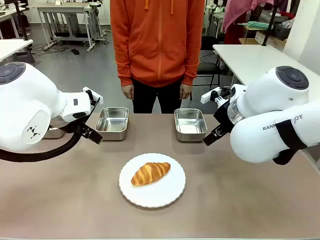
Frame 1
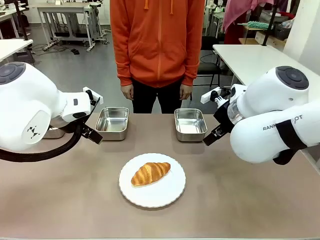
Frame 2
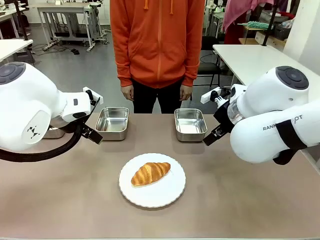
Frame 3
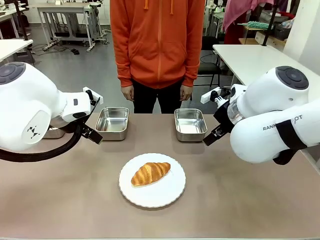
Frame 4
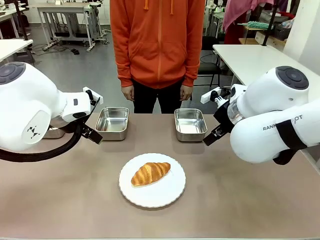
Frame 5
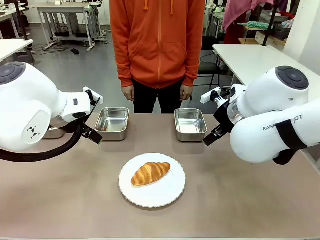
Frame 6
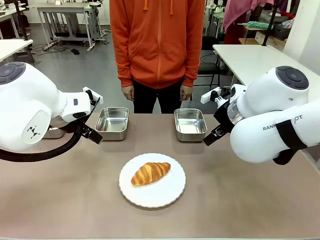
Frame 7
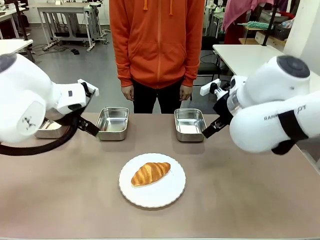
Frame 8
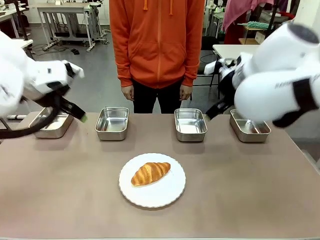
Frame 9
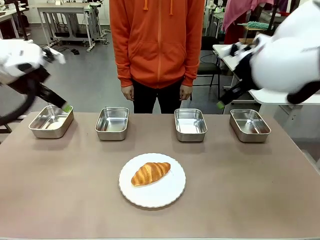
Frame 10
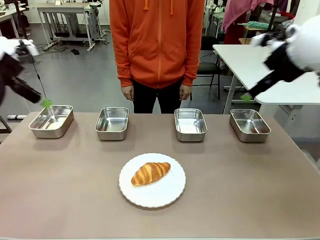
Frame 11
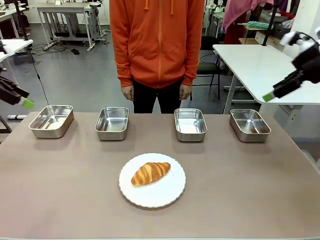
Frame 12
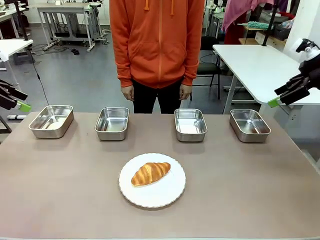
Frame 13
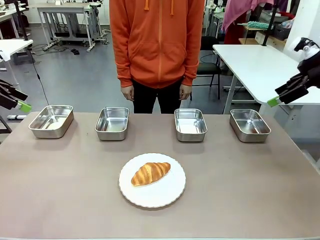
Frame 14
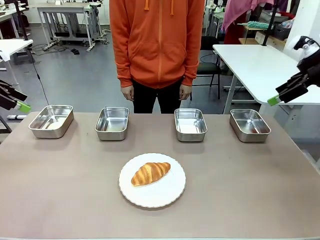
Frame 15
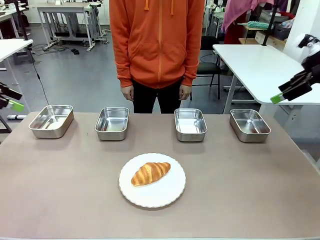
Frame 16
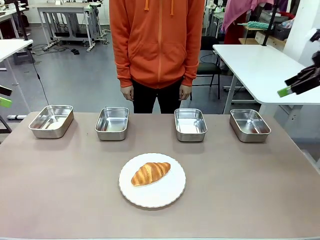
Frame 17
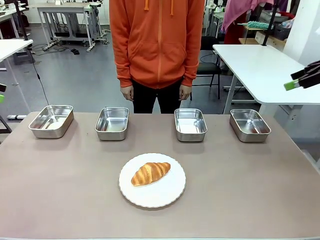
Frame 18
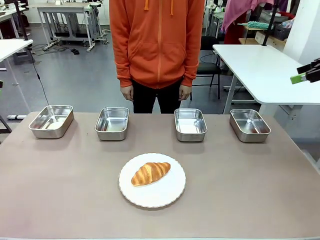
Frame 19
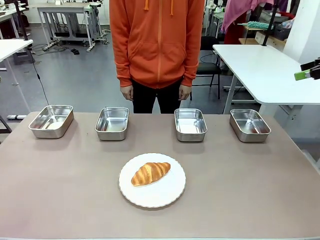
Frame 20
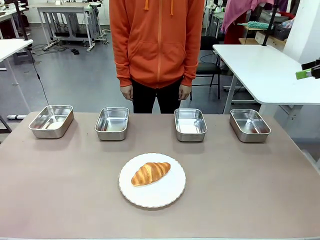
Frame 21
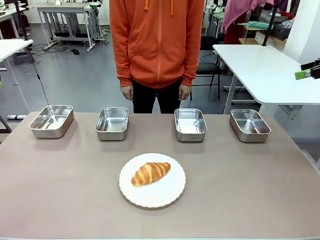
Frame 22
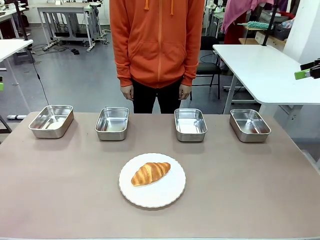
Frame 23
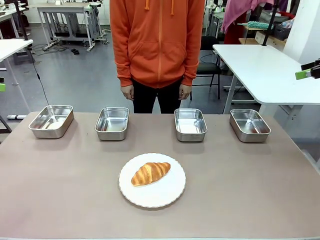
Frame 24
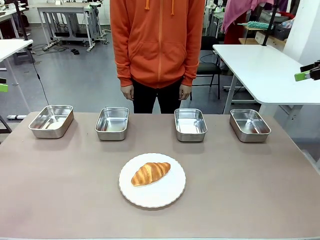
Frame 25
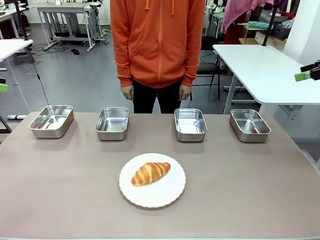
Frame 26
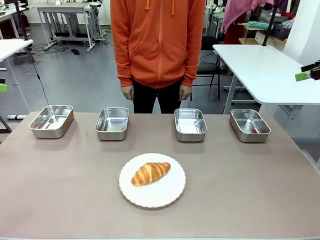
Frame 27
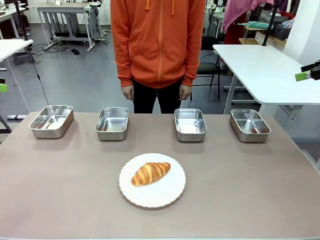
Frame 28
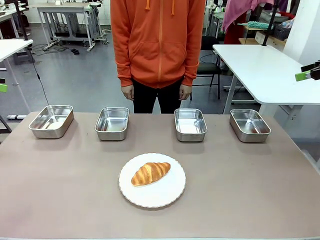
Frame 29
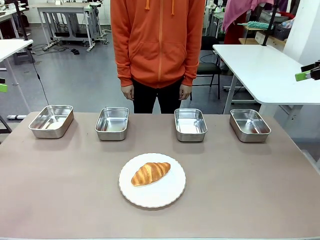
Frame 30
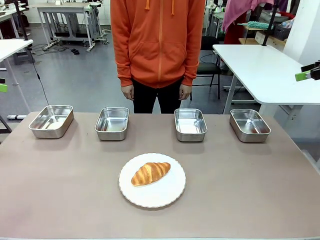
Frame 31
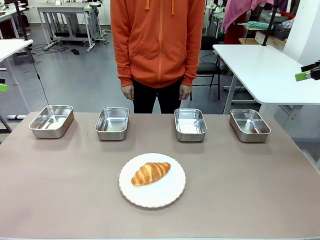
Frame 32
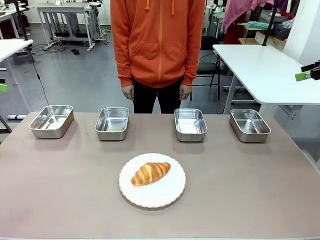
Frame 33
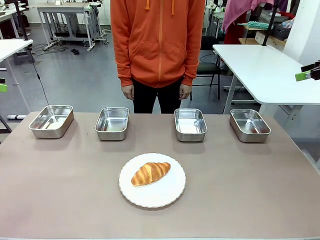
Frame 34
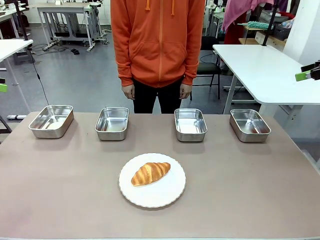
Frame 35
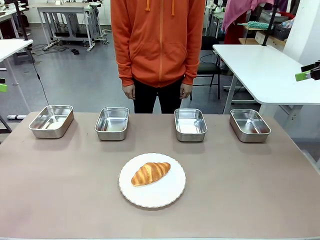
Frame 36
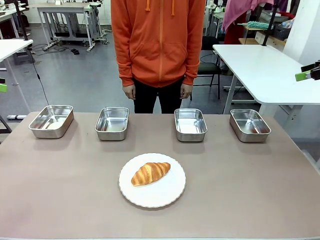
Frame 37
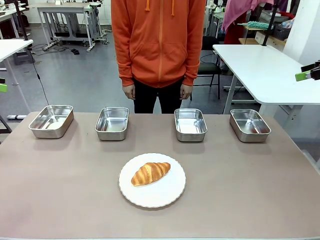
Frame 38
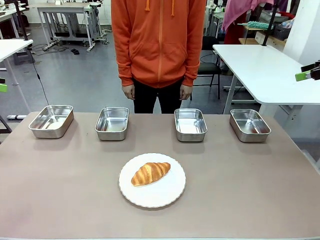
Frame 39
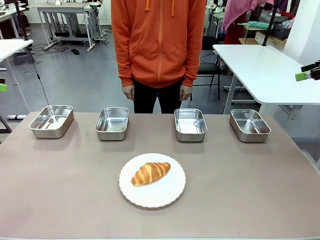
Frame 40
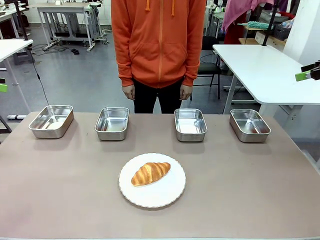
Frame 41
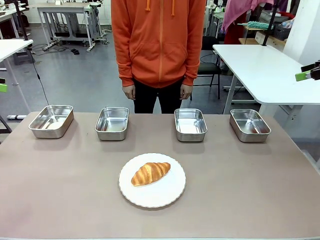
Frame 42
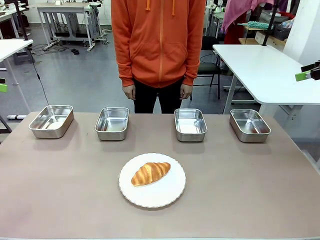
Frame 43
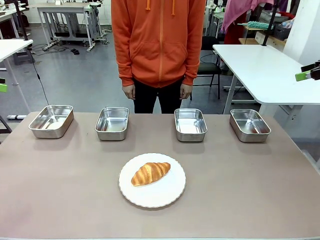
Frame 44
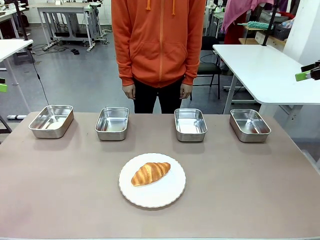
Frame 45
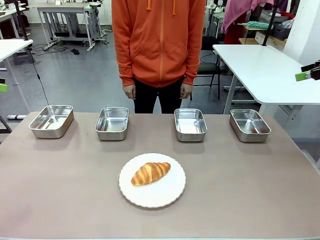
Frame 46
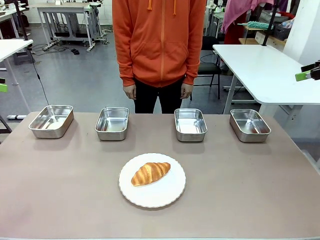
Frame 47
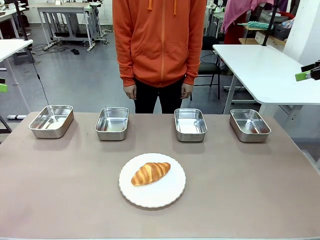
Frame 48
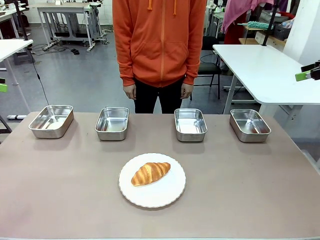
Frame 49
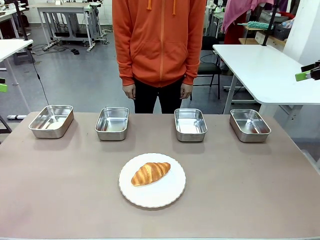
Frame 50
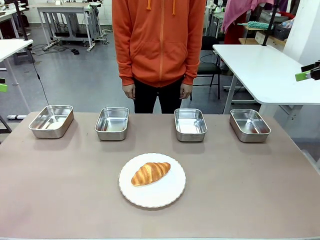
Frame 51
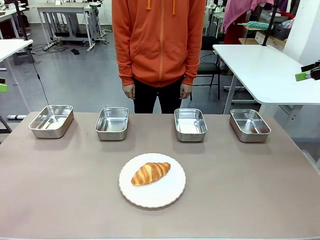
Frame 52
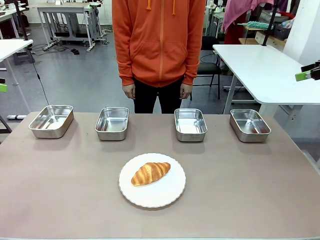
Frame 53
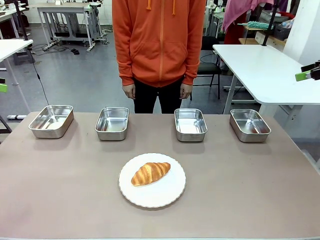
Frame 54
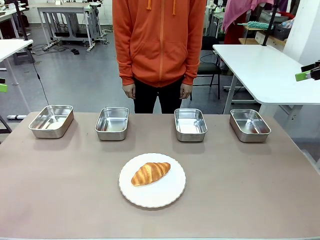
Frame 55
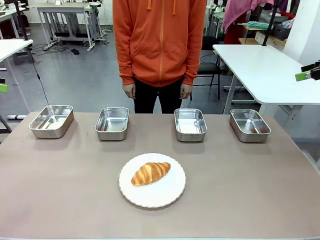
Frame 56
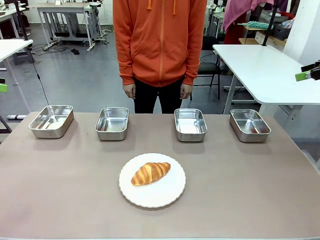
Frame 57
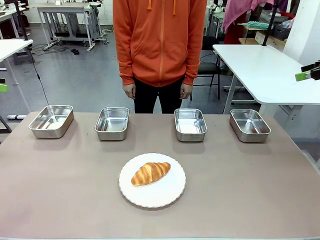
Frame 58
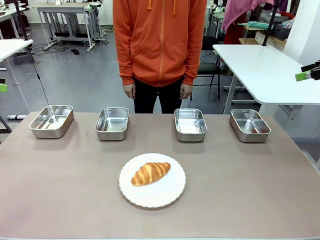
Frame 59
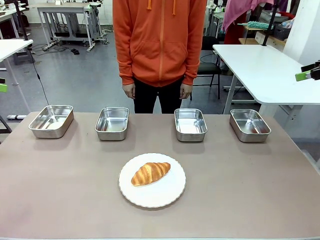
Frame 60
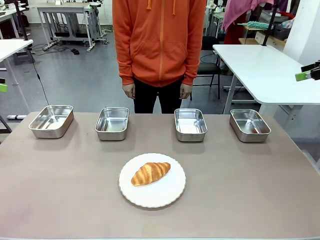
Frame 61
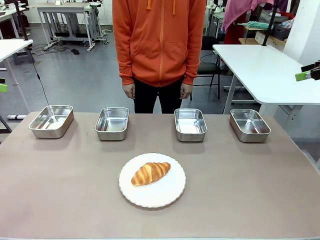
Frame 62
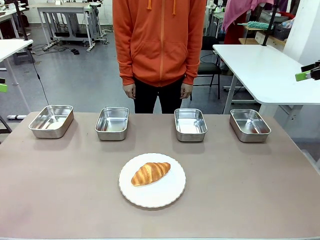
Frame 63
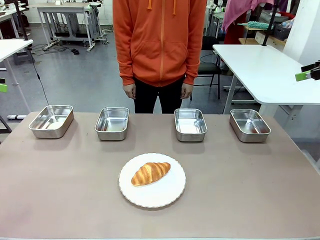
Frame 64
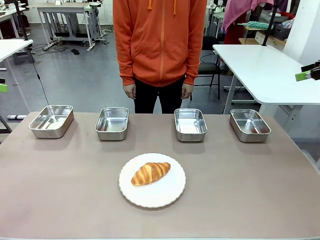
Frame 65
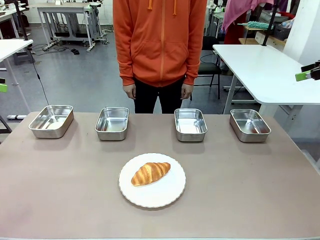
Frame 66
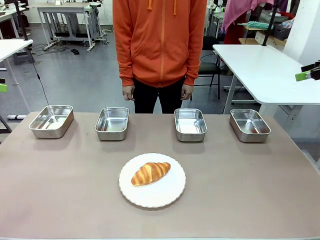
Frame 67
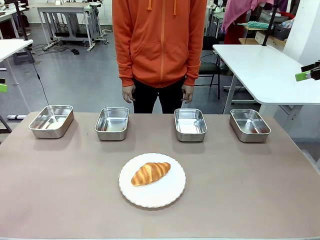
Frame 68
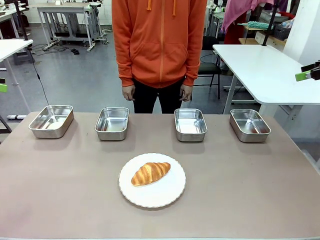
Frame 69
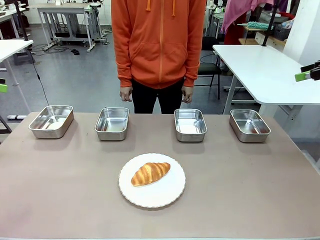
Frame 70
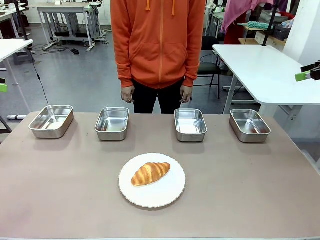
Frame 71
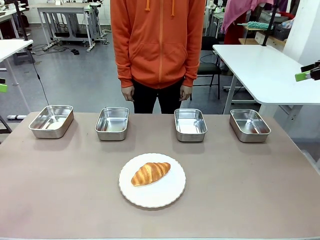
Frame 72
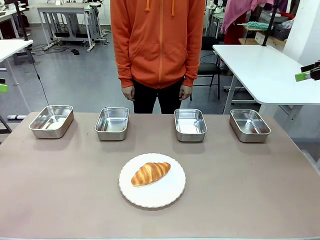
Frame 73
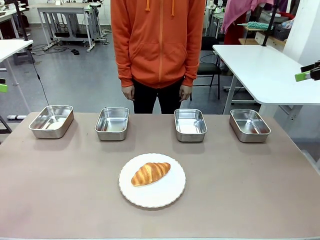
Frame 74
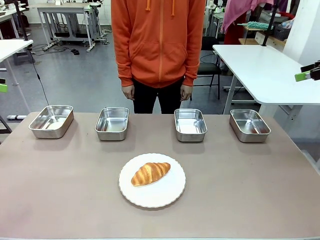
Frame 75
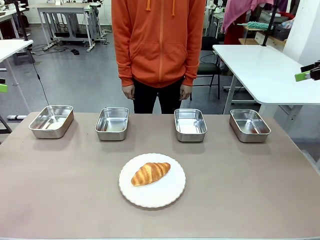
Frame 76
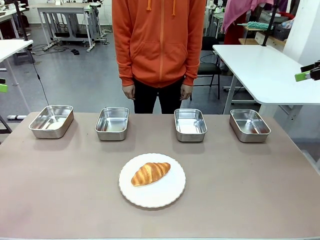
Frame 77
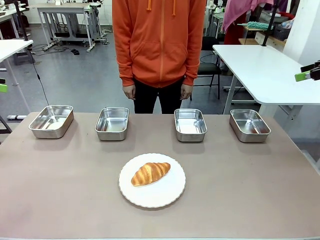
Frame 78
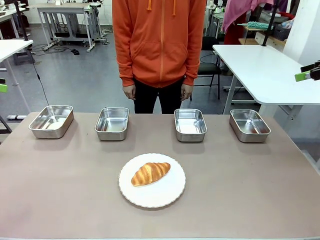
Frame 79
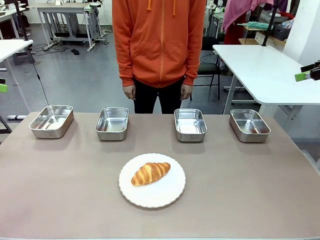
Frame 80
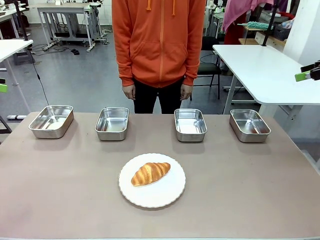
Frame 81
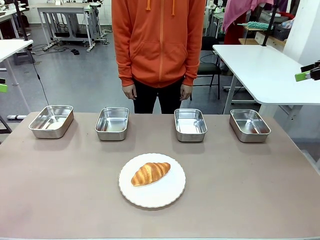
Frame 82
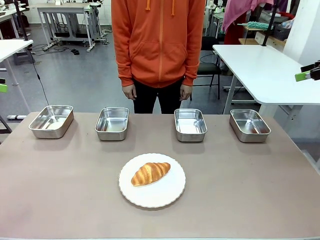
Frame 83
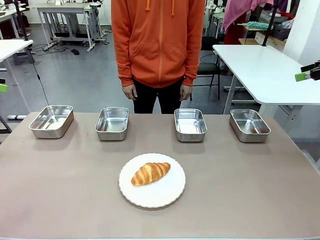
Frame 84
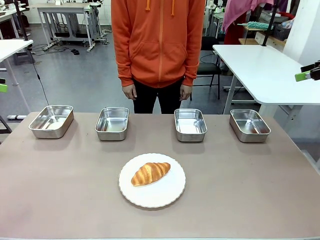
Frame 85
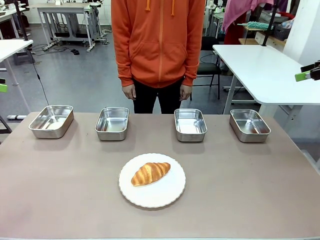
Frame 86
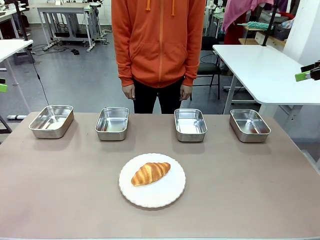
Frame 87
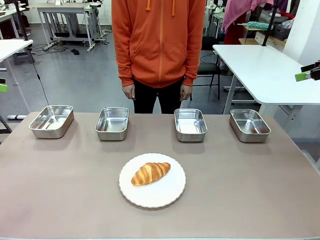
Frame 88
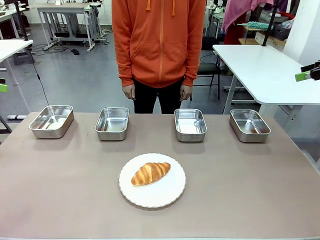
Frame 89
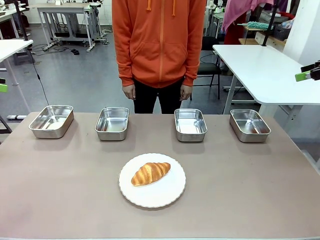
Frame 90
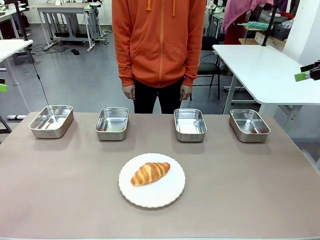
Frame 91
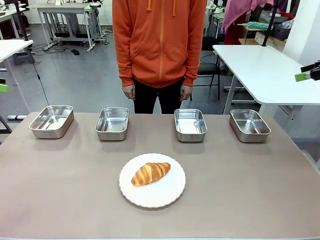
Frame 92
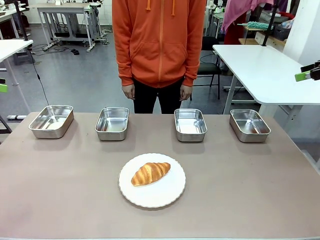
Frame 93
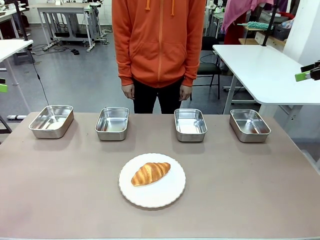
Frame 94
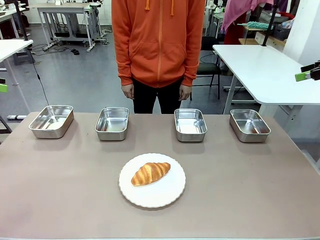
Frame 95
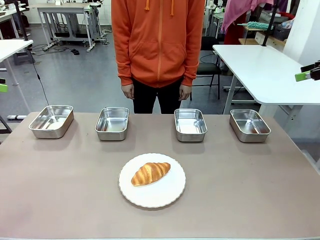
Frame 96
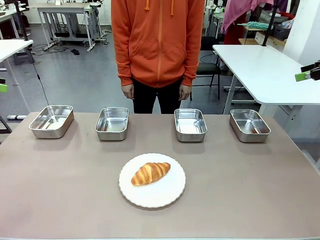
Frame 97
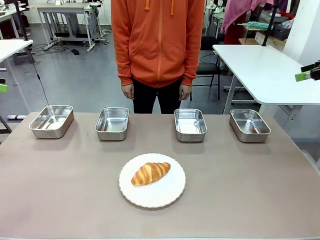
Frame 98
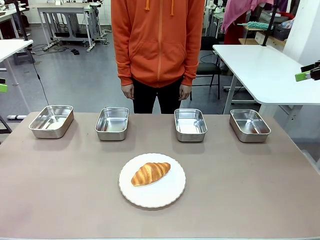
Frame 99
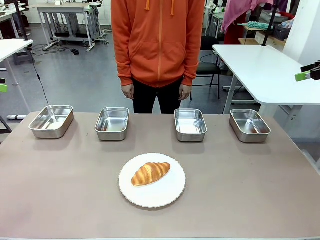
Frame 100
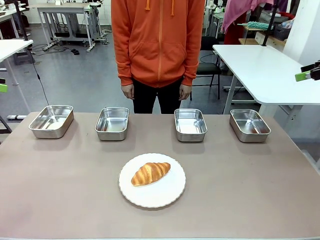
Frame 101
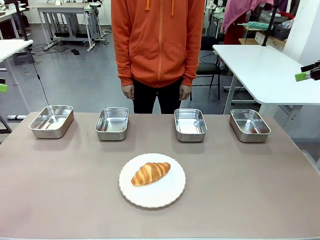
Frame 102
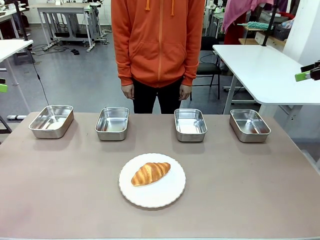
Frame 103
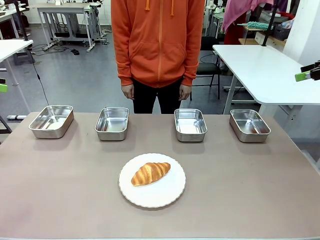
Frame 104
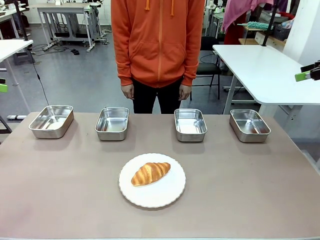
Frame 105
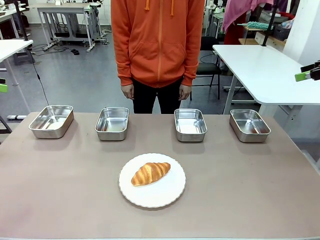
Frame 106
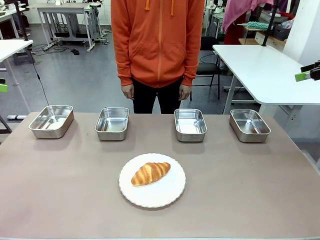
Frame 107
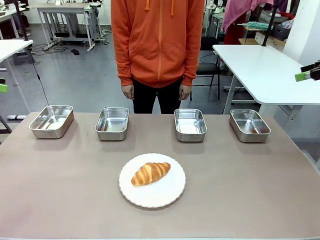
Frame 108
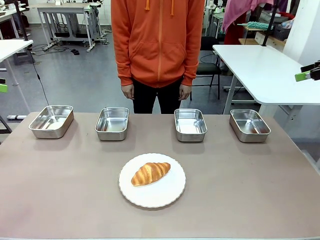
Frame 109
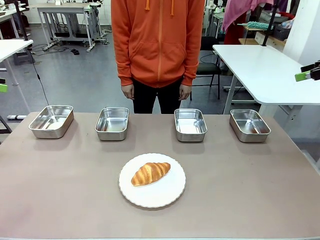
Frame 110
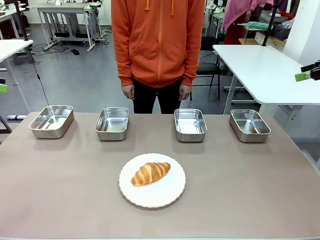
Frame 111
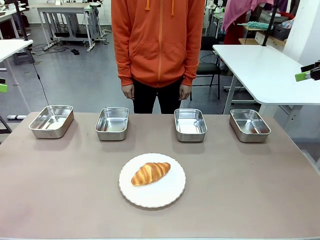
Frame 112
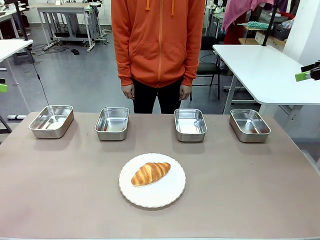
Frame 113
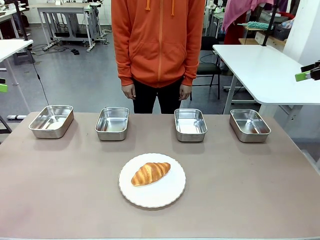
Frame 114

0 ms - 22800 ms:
Task: Place the bread in the container.
Robot: Place the Butter Roll into the Airtight Container indicated by the human.
